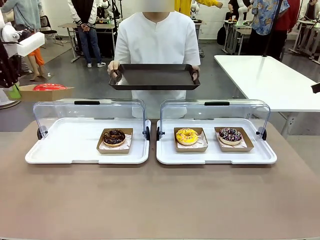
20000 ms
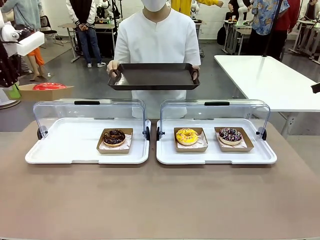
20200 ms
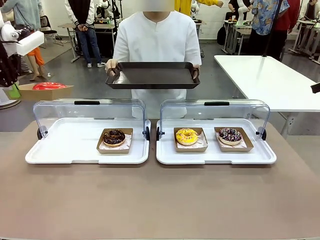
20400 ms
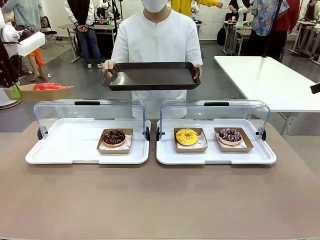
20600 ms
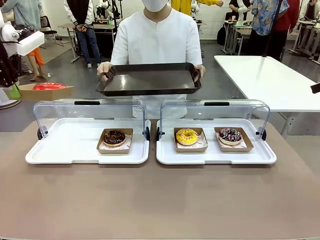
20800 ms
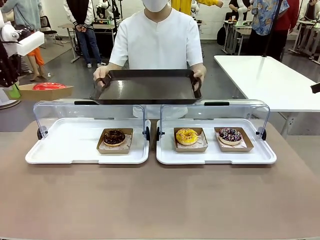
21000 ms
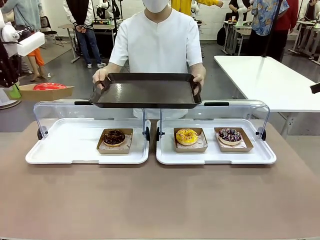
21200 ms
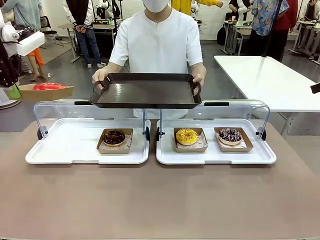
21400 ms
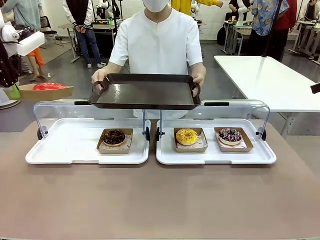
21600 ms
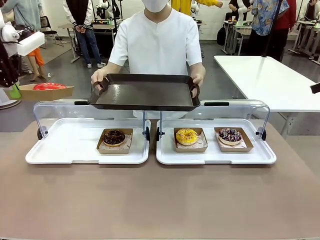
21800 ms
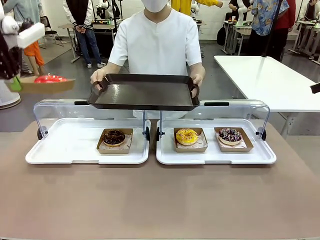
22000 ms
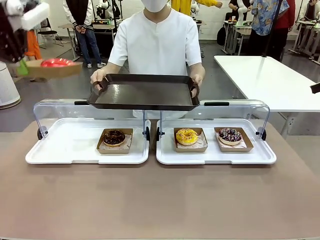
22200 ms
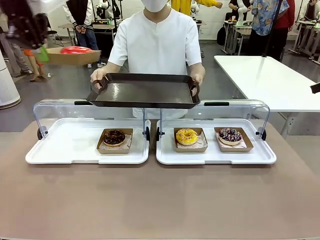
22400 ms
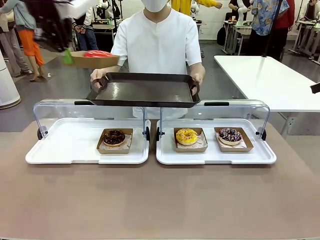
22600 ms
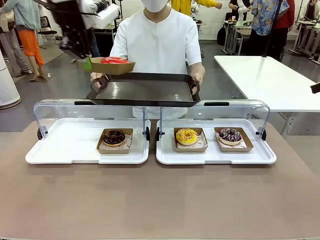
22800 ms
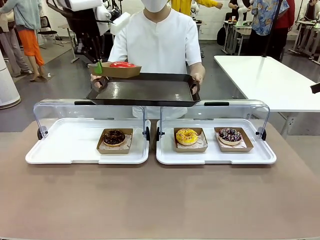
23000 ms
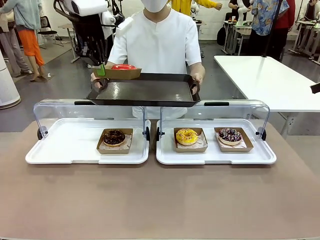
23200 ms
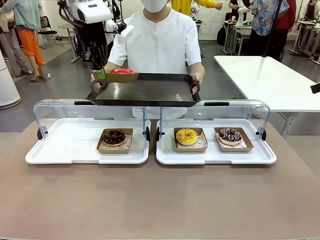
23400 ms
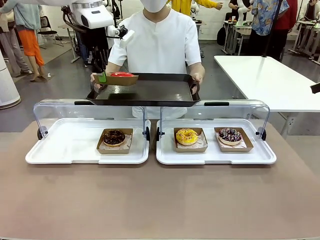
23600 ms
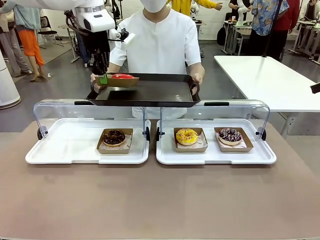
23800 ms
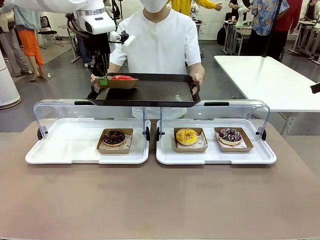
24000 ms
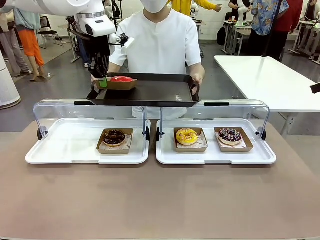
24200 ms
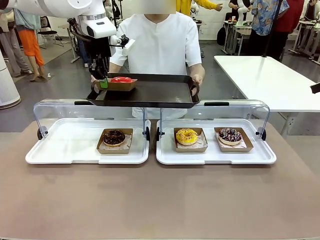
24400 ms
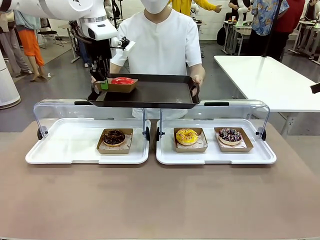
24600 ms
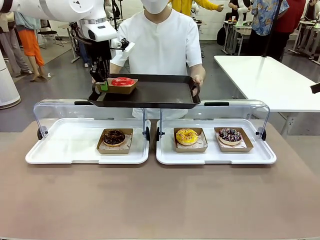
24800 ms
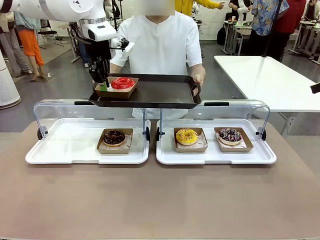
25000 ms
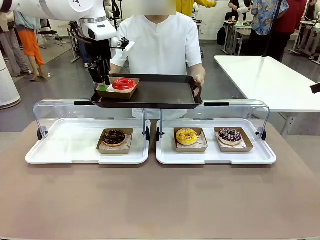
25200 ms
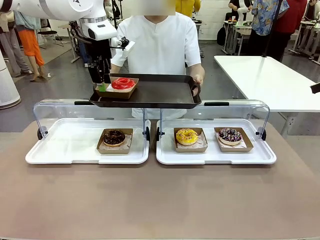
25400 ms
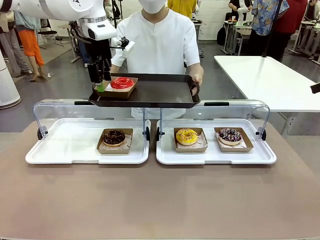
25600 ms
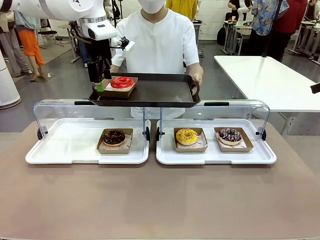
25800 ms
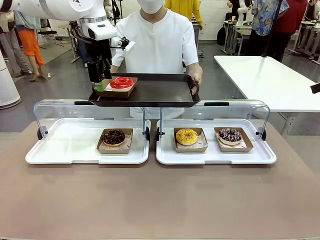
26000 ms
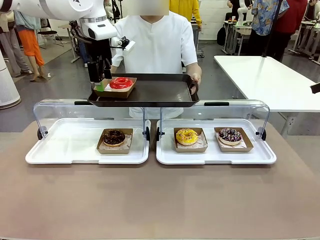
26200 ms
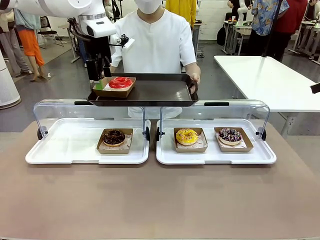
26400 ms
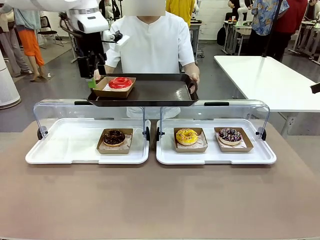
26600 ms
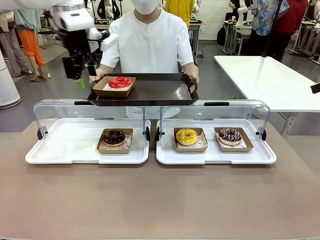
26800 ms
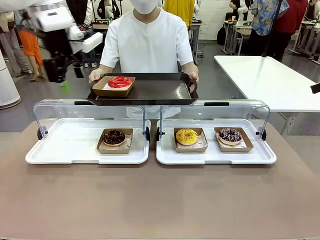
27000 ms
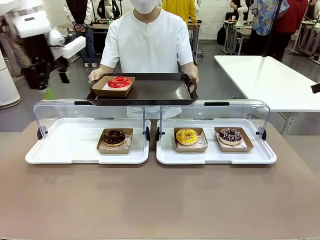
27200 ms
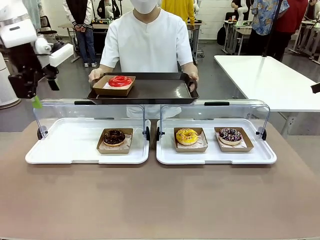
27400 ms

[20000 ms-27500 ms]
Task: Provide the desired donut to the person.
Robot: Place the picked Paper togo box onto the Handle tray extended by the person.

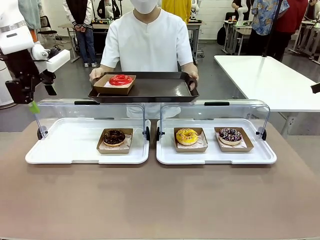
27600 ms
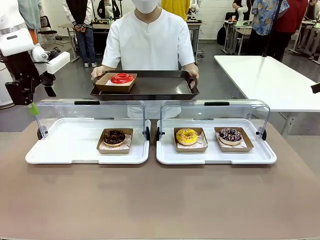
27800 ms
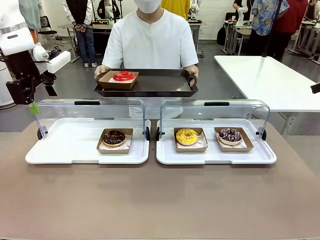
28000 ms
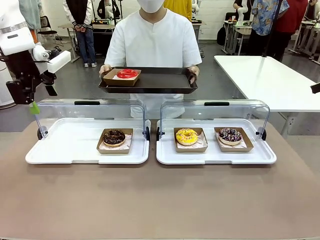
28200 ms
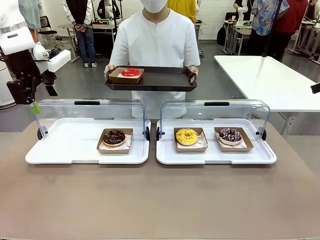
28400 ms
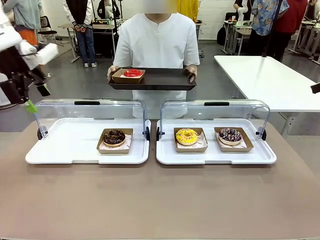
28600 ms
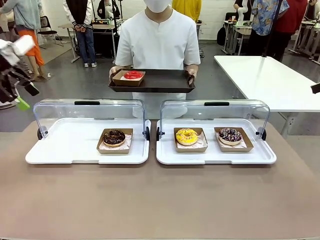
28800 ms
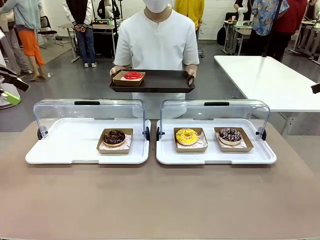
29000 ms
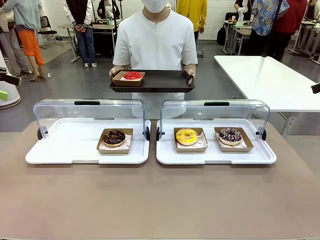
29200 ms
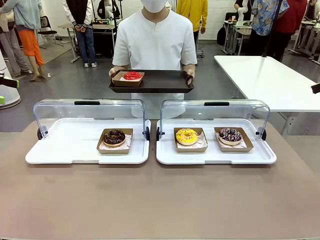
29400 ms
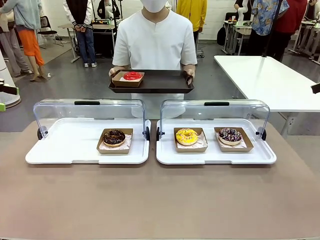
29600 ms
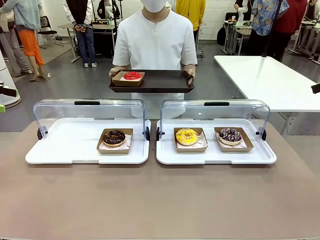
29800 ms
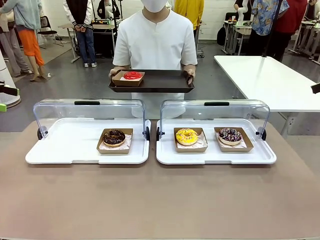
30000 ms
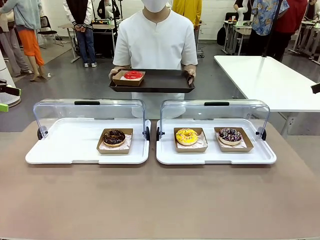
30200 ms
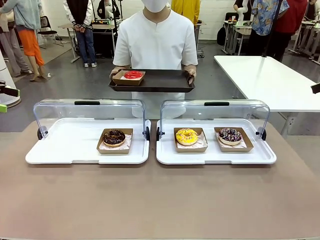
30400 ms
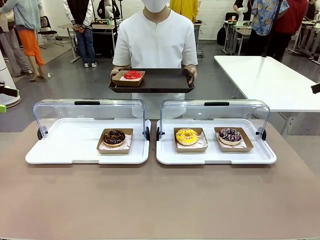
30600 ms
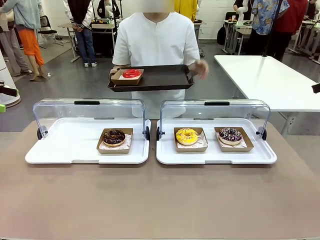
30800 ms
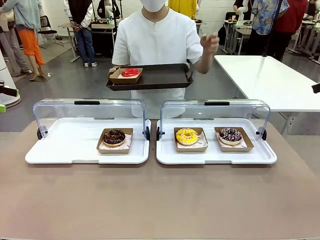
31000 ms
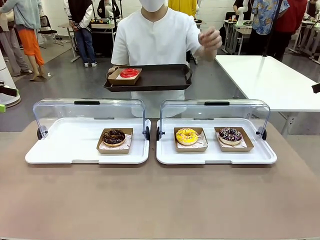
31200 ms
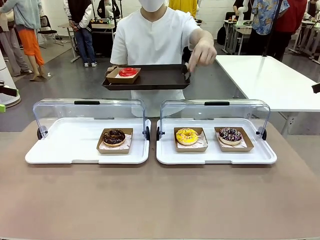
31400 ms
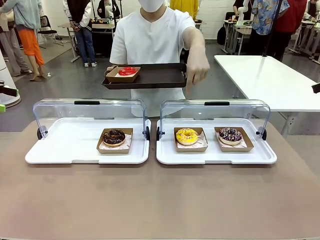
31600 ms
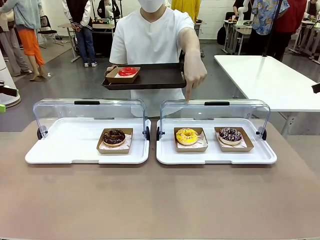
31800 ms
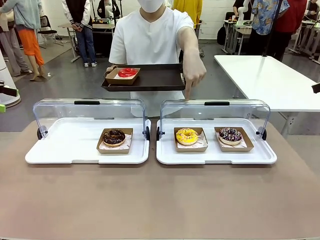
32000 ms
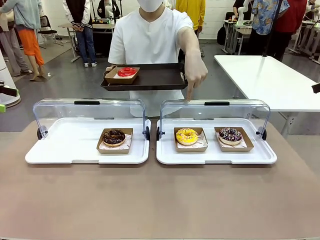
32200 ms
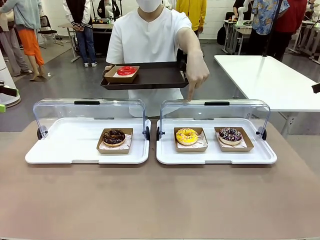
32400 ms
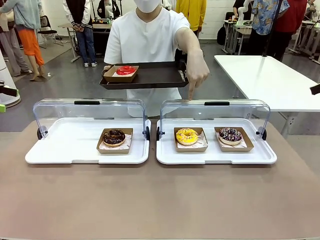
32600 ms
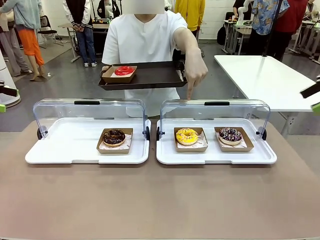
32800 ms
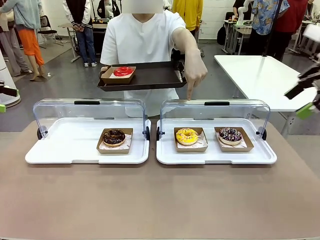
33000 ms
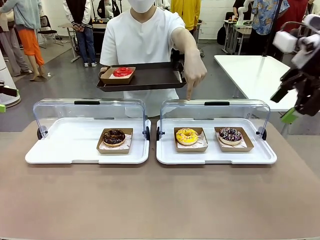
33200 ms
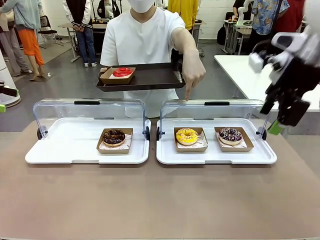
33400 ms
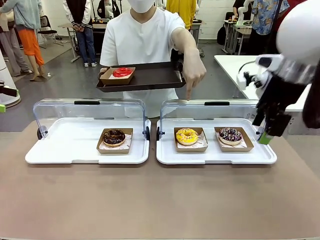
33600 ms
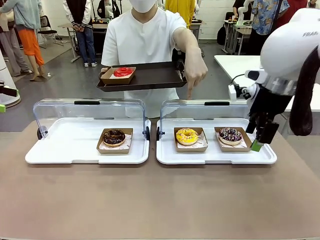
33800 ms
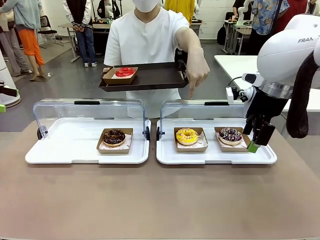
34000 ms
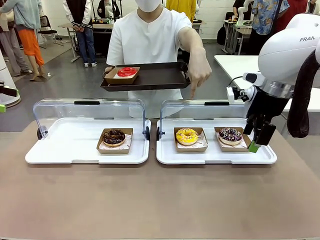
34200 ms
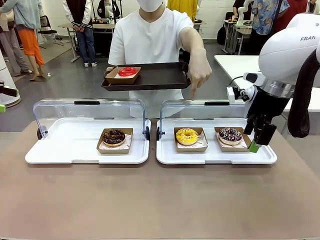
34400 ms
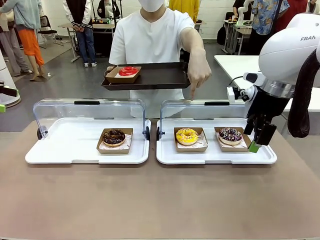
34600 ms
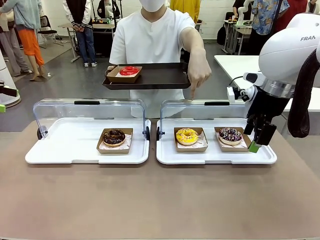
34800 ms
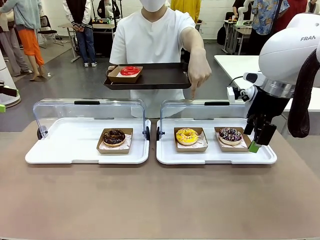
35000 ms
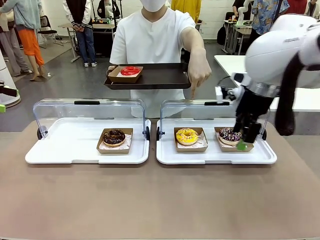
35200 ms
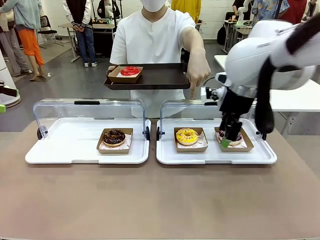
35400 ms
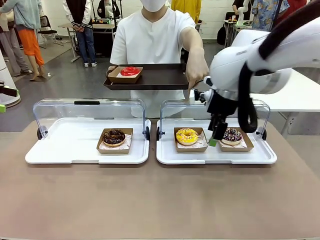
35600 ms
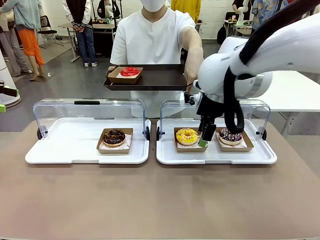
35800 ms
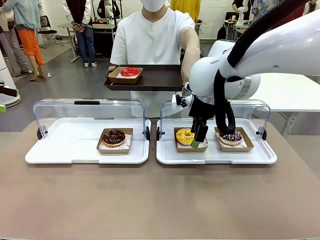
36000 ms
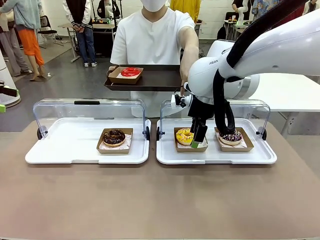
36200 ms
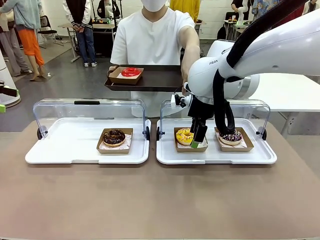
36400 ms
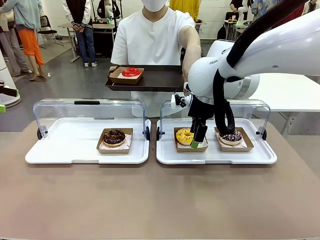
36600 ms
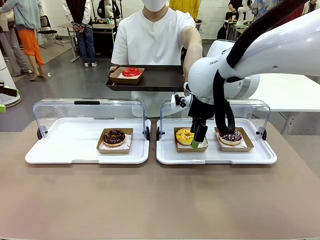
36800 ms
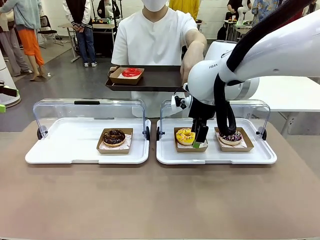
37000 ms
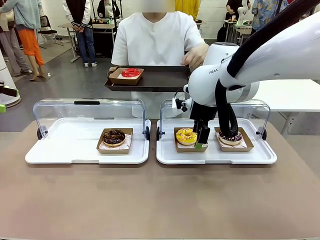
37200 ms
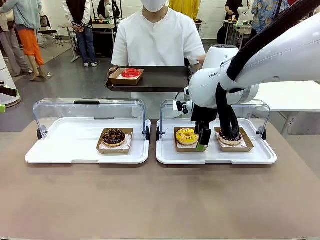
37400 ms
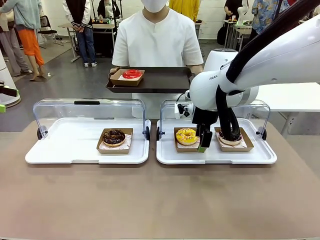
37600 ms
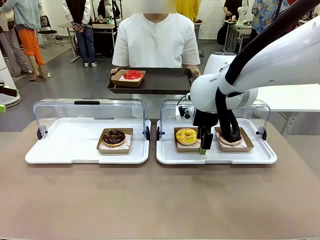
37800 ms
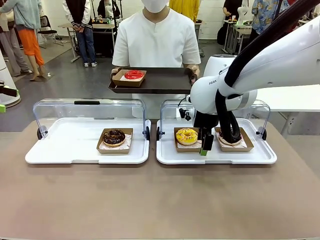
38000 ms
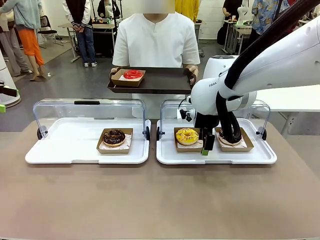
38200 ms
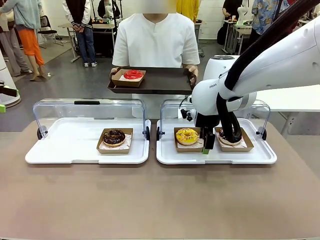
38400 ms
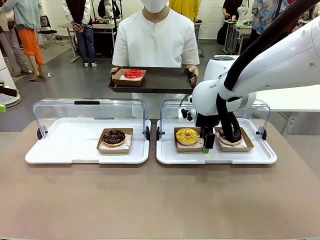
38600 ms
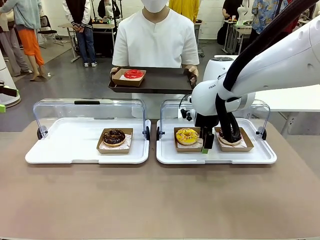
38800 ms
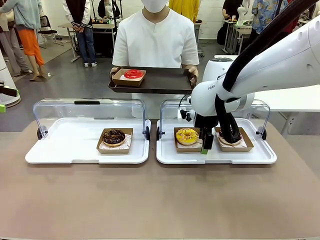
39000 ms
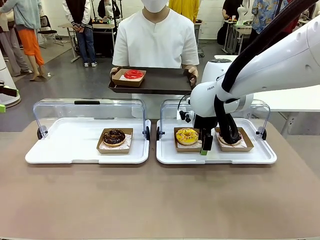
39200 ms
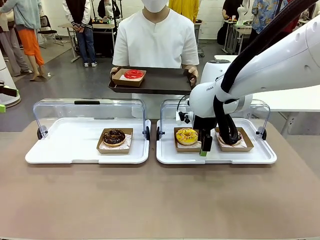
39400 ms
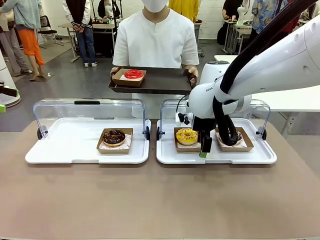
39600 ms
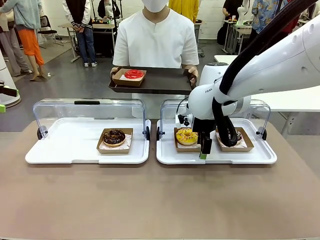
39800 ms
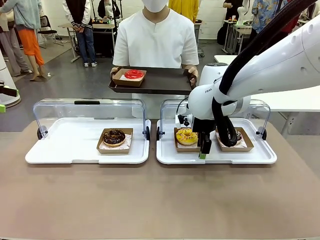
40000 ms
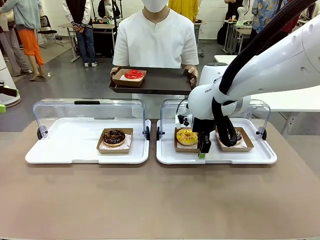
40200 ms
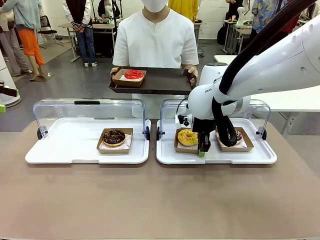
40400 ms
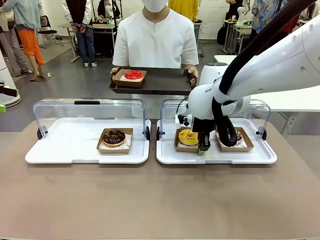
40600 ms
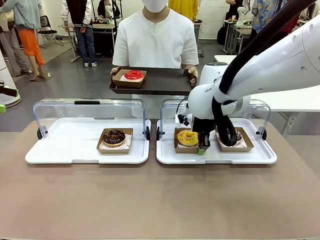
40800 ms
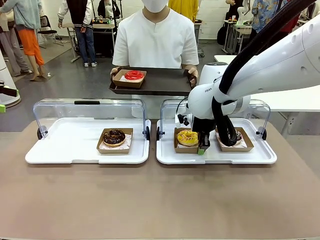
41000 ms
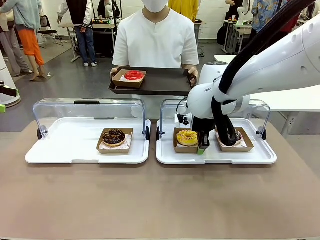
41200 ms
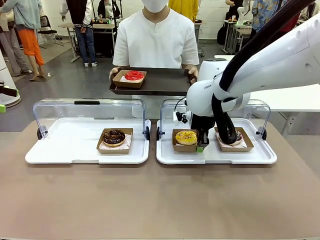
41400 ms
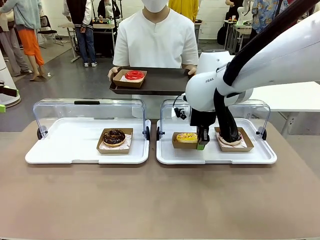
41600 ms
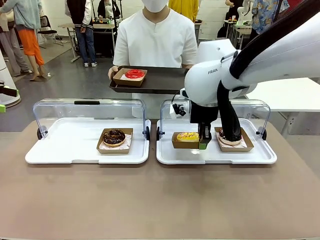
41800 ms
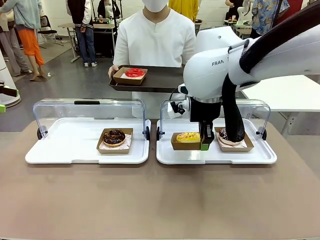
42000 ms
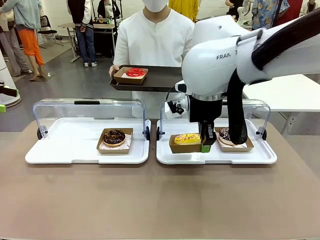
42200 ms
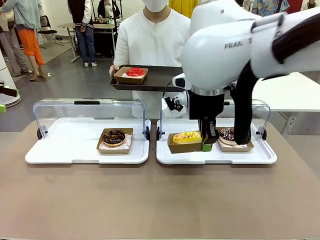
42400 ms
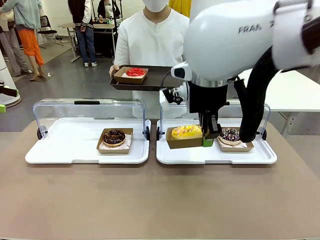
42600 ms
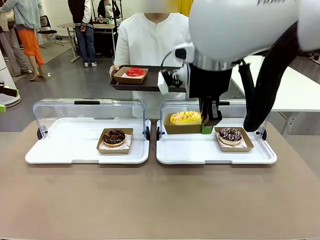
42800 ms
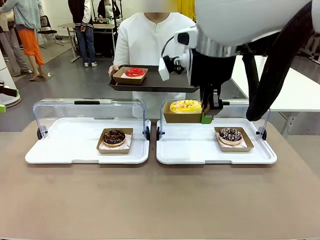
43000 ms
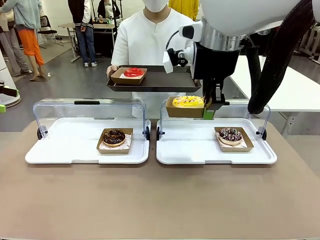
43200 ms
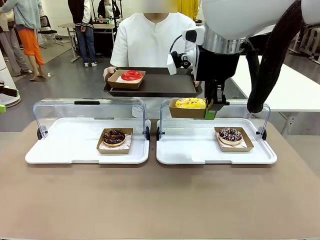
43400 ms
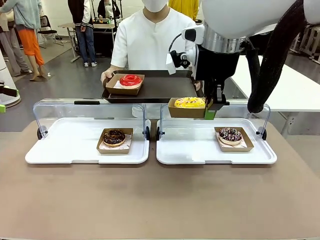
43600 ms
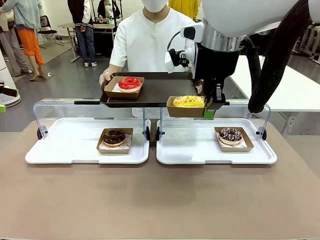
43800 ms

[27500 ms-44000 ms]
Robot: Pick up and lift the Paper togo box containing the Donut pointed at by the person.
Person: Point to one donut. Lift the tray onto the Roll-Top Bakery Case.
